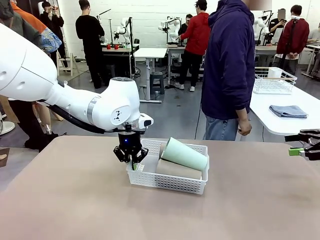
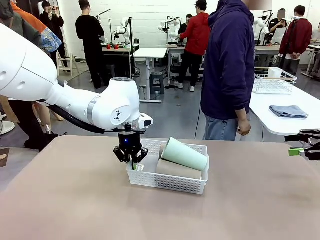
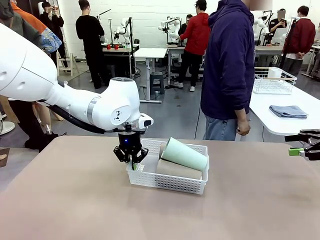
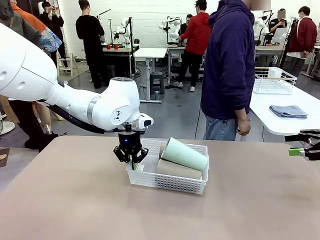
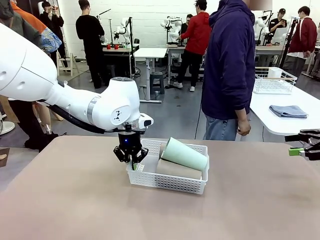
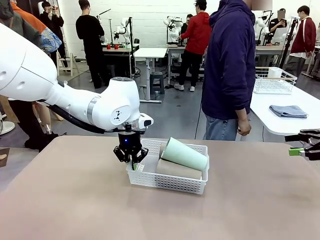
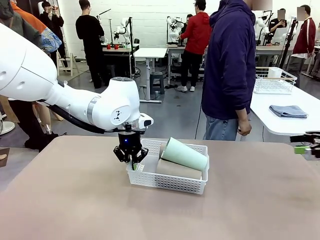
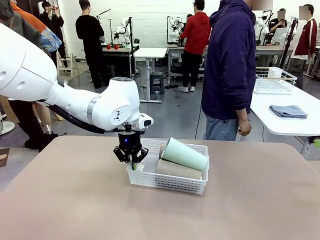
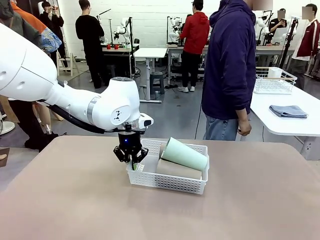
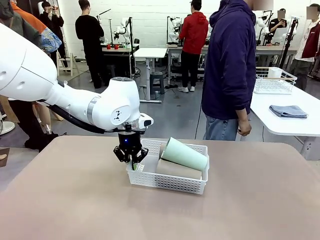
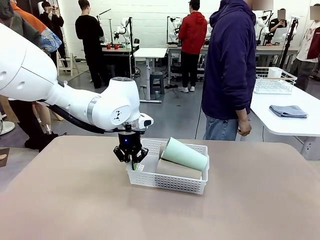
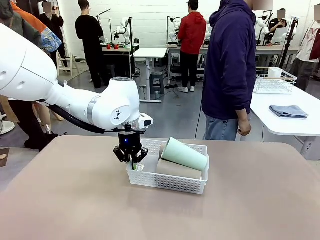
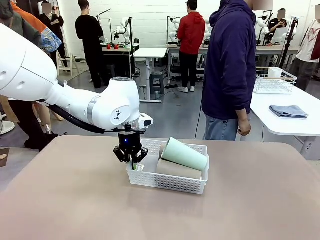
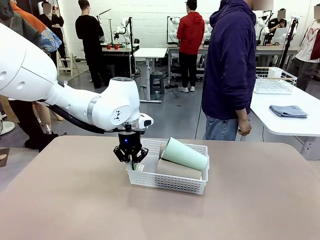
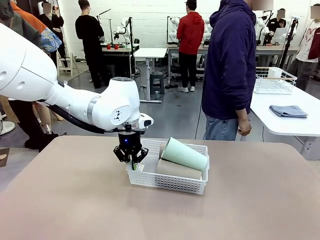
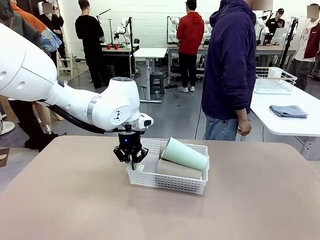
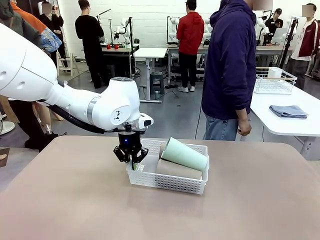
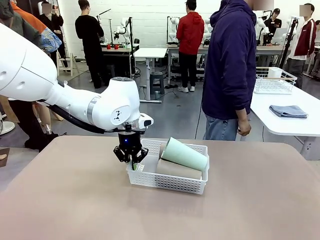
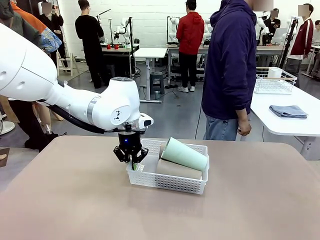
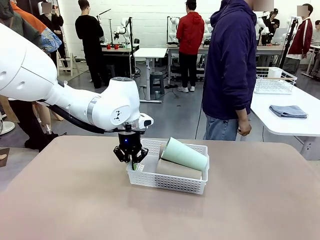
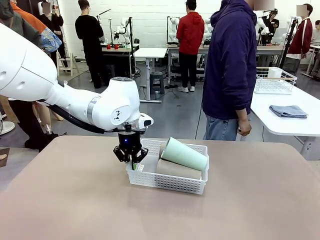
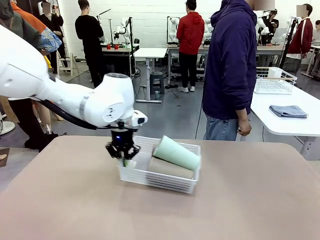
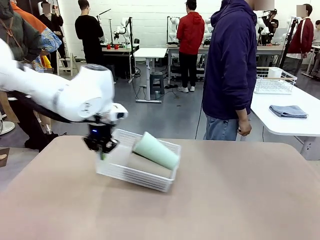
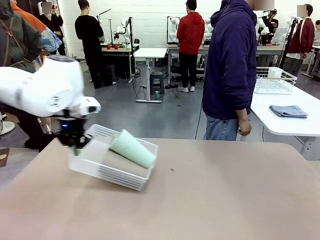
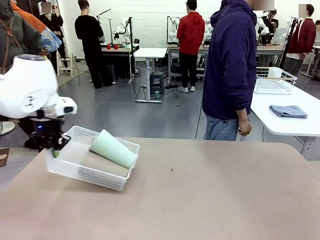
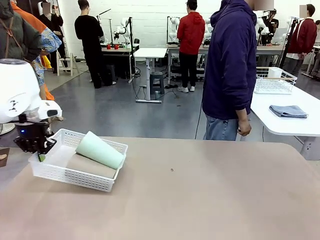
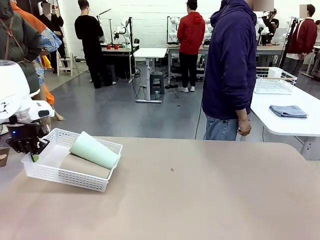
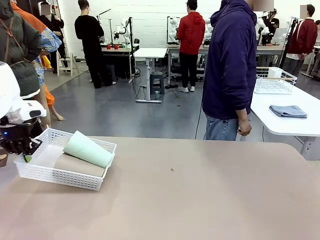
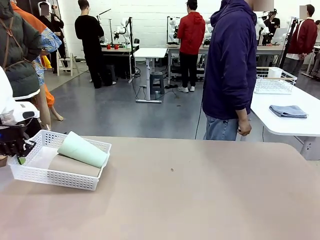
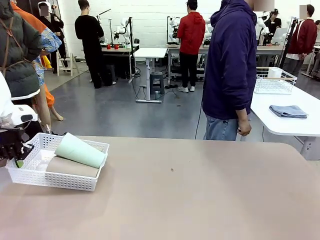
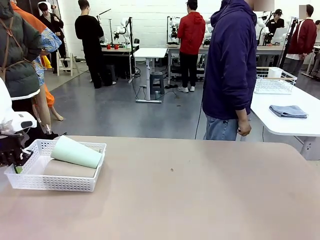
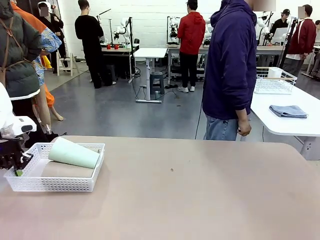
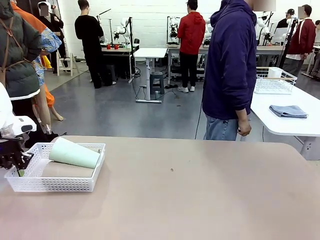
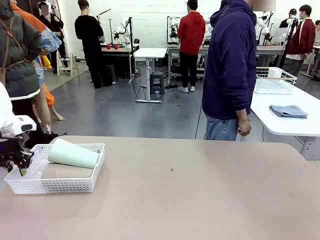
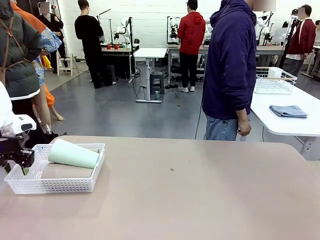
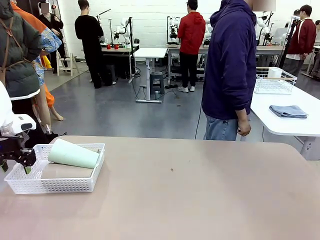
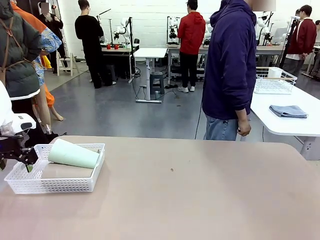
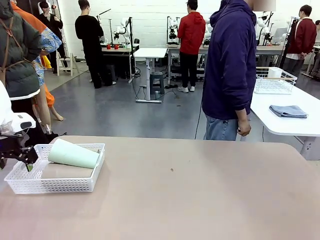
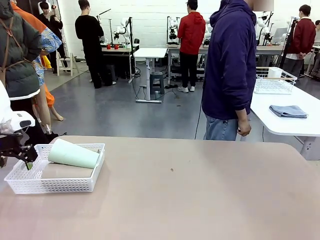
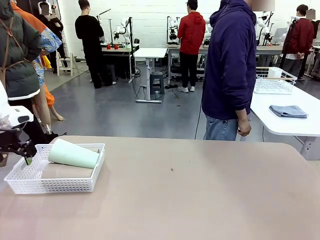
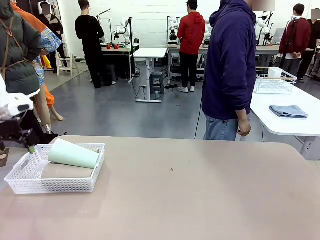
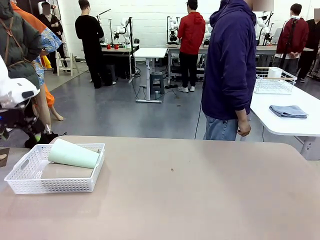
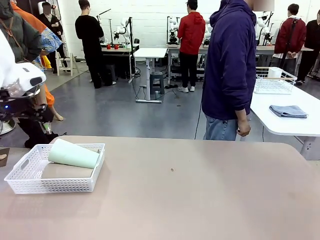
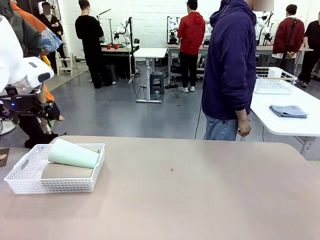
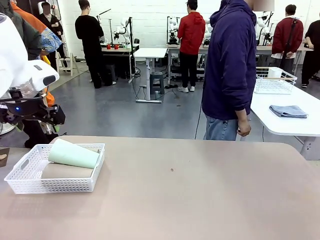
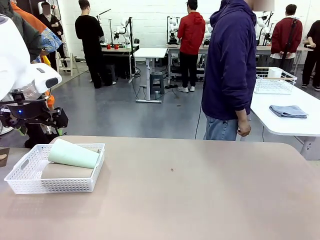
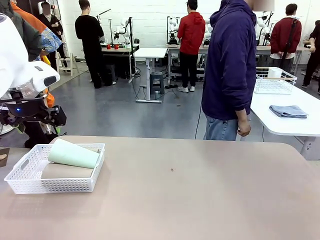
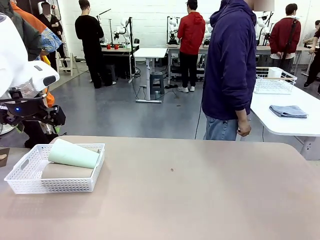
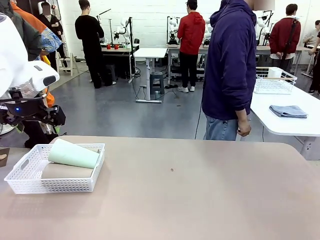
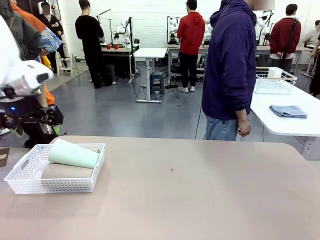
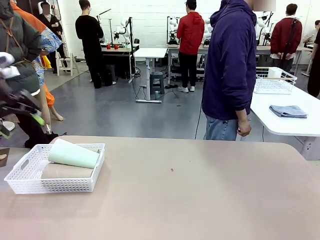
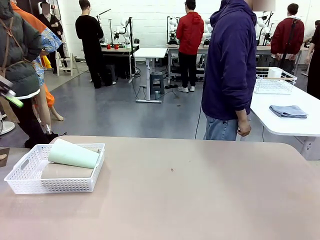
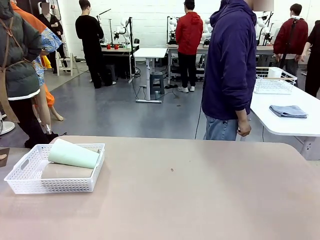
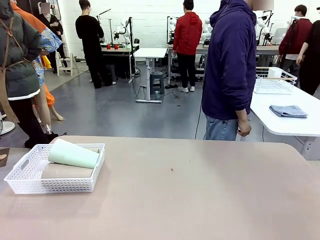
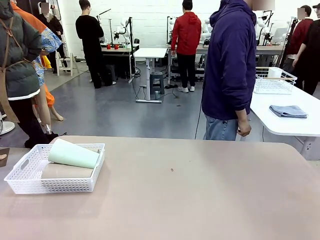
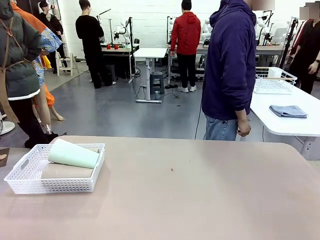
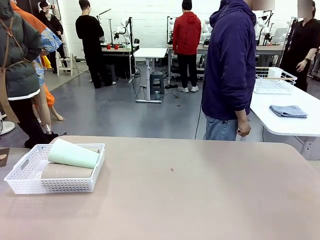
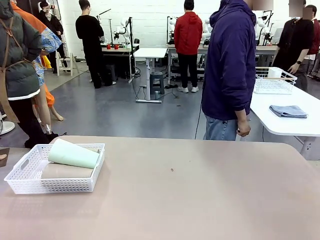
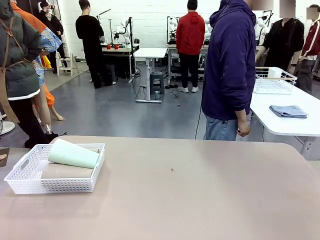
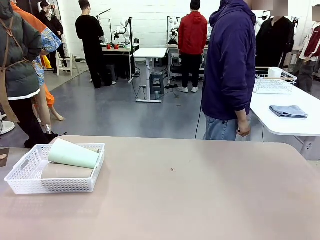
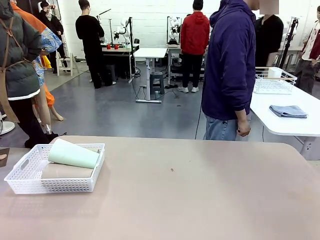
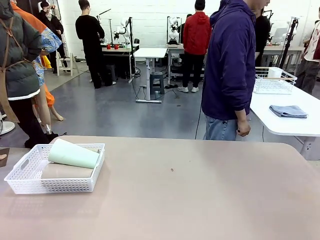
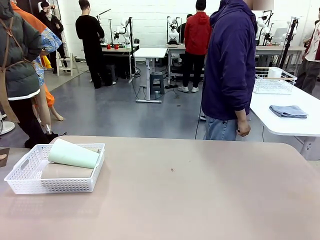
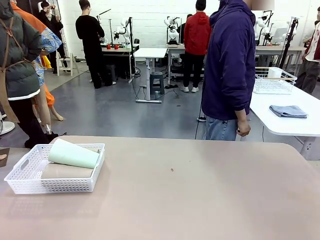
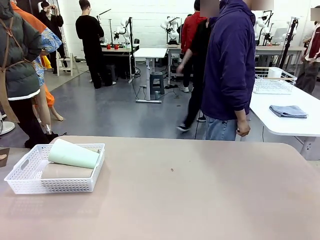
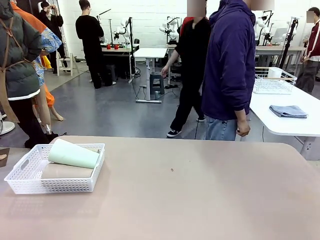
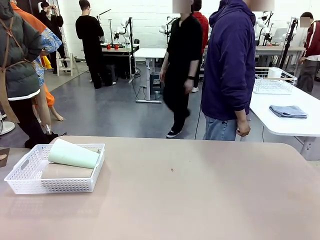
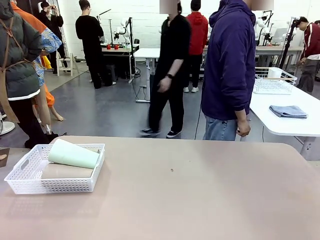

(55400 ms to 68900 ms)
Task: Clean and organize the cups into the basket.
Robot: Move the Organizing basket back to the left side of the table.
Person: Folds the towel in half twice and places it in the right of the table.

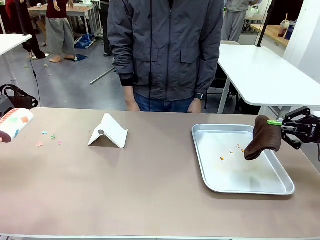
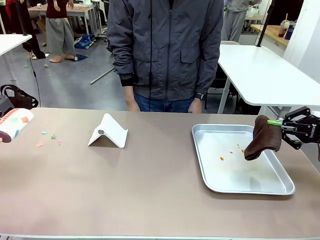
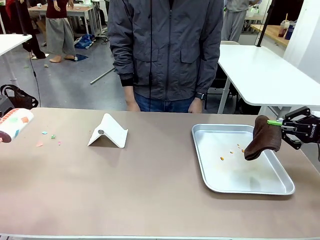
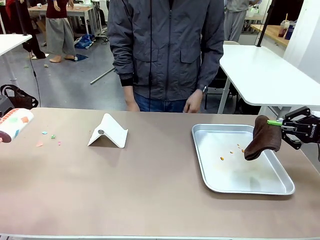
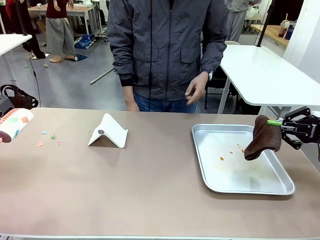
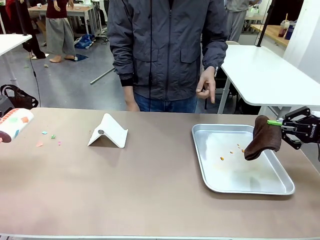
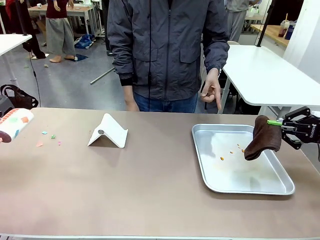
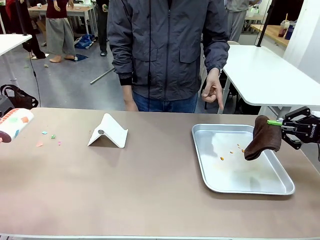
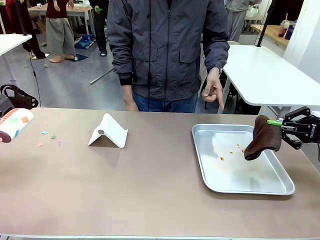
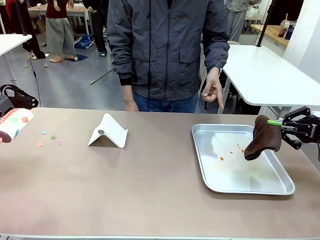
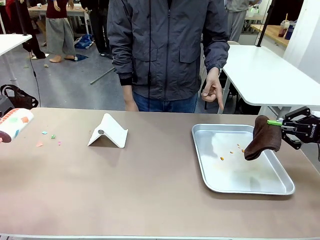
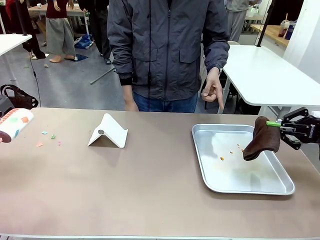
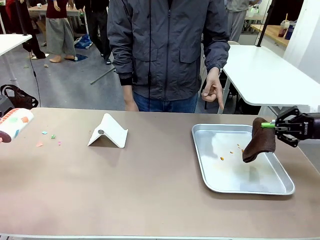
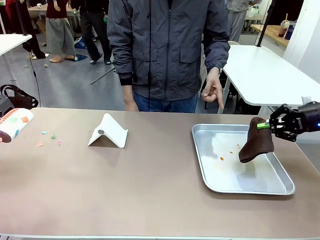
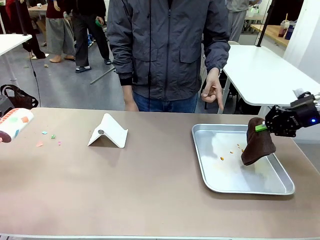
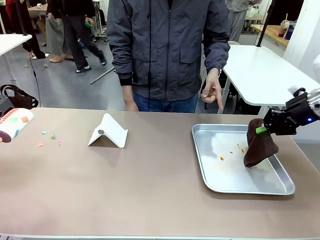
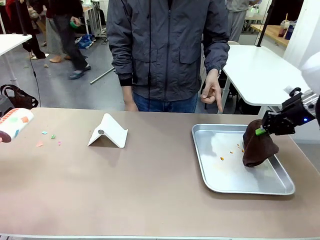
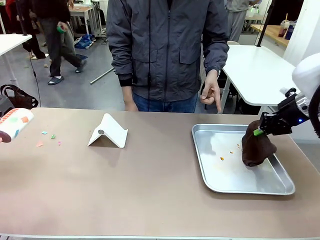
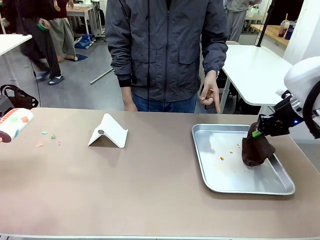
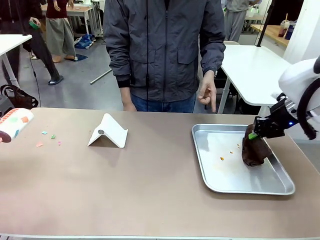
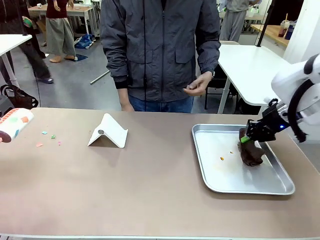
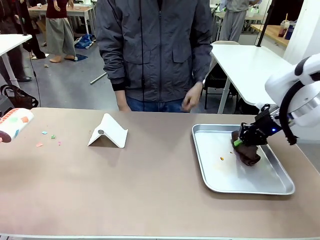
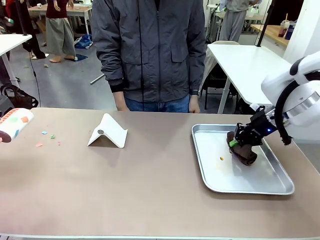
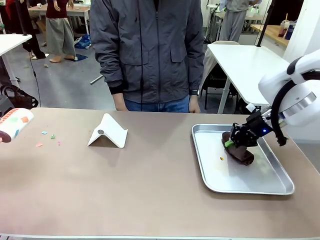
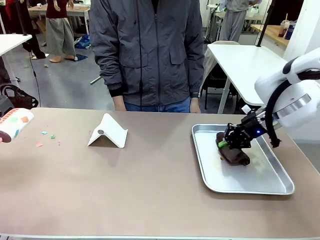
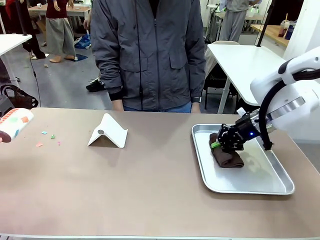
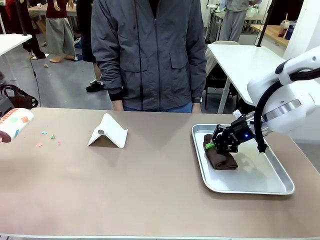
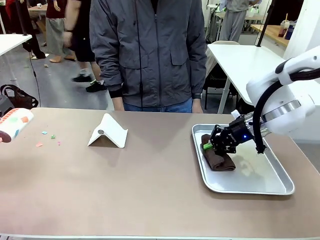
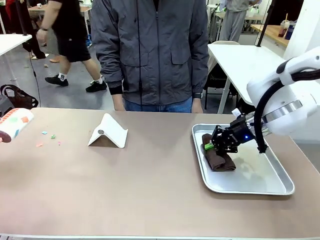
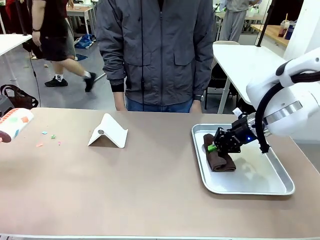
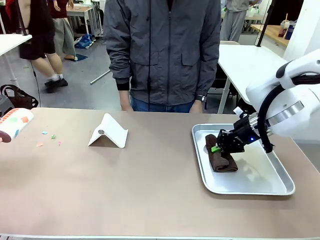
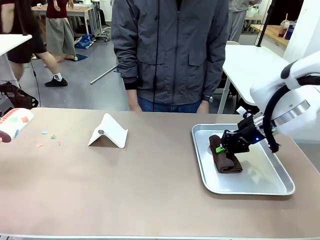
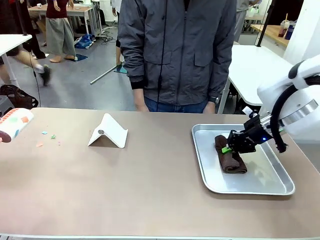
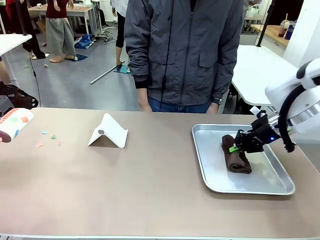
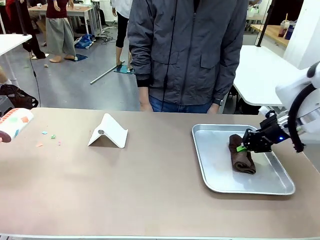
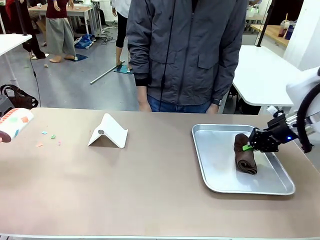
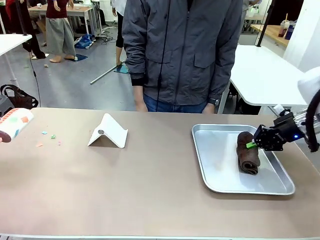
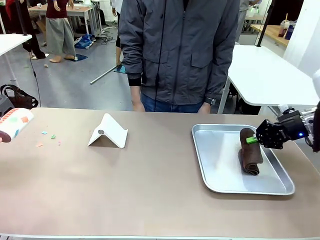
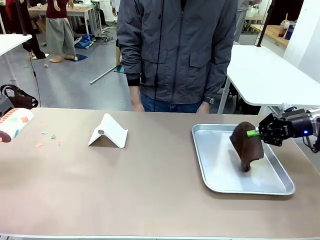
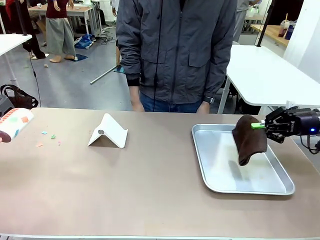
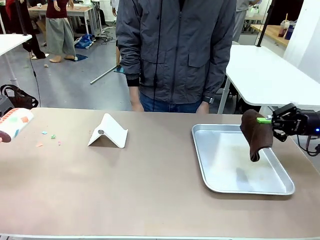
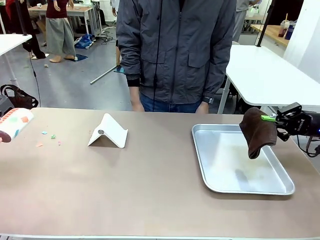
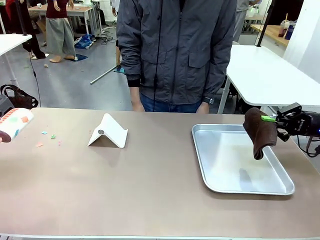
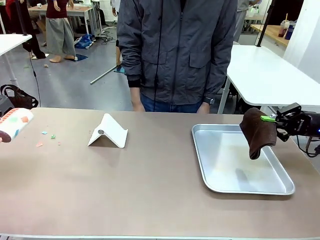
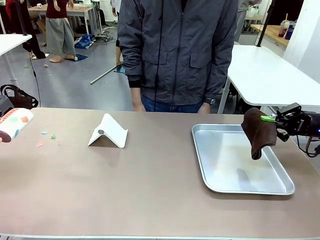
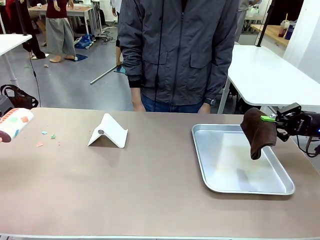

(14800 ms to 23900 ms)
Task: Clean the surface of the table.
Robot: If a person points to the right, clean the right side of the table with your right hand, and if they point to the left, clean the left side with your left hand.
